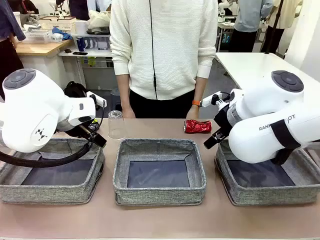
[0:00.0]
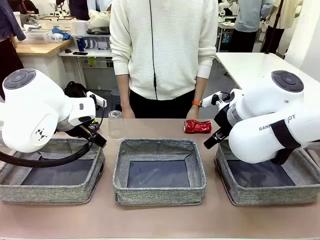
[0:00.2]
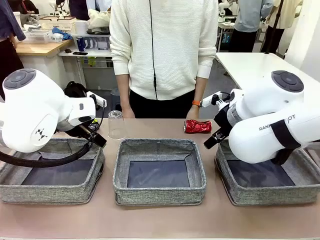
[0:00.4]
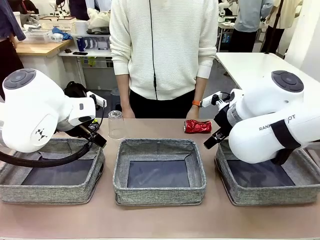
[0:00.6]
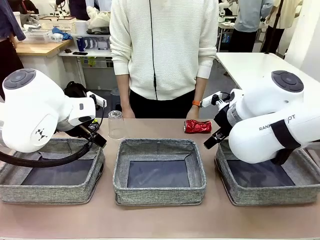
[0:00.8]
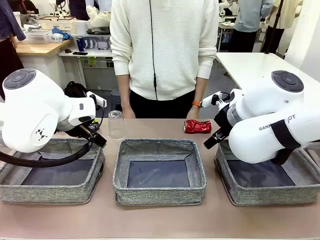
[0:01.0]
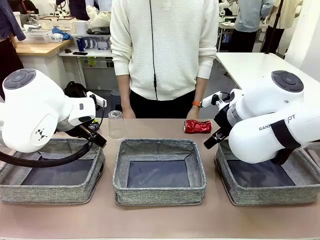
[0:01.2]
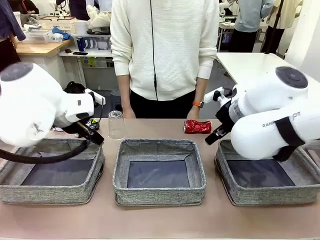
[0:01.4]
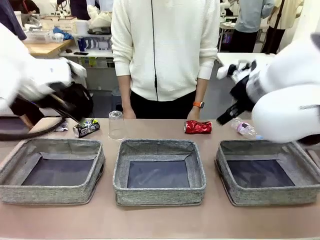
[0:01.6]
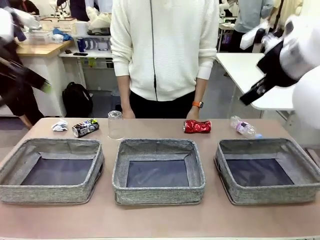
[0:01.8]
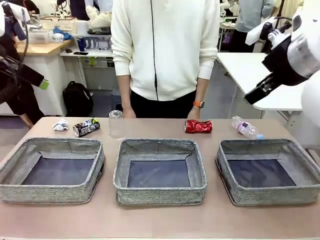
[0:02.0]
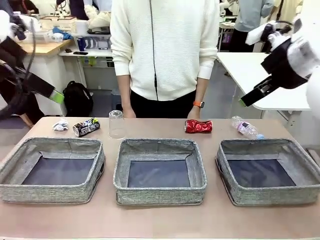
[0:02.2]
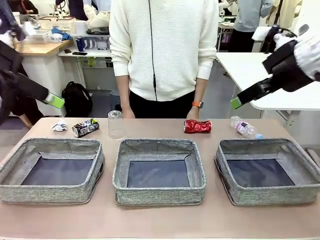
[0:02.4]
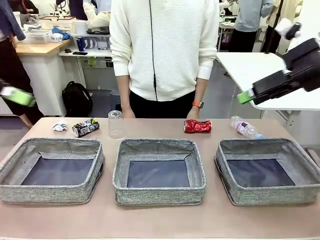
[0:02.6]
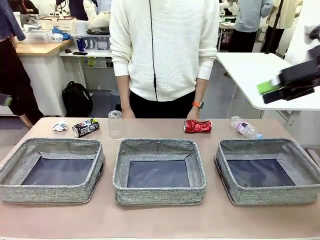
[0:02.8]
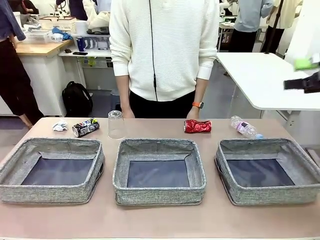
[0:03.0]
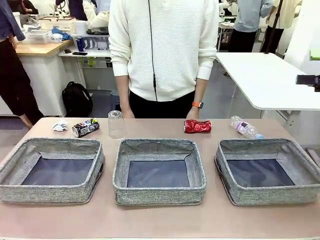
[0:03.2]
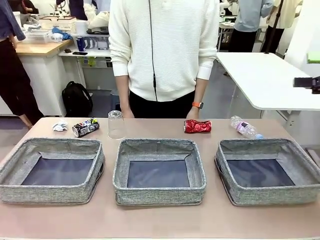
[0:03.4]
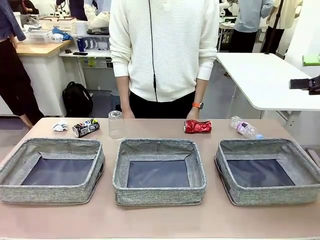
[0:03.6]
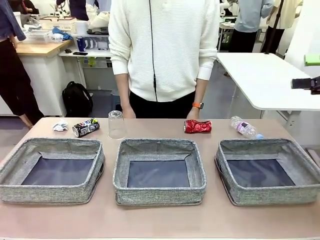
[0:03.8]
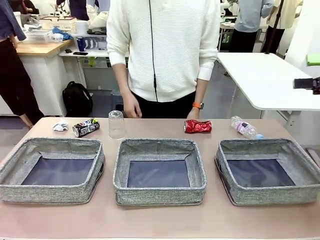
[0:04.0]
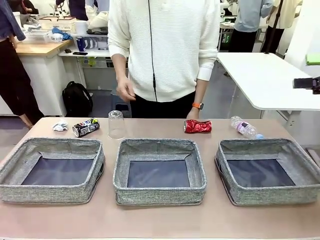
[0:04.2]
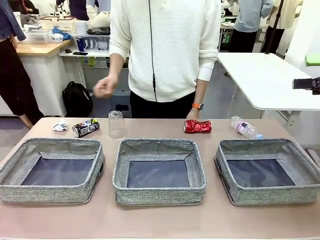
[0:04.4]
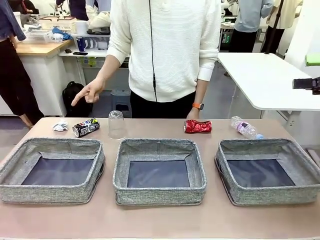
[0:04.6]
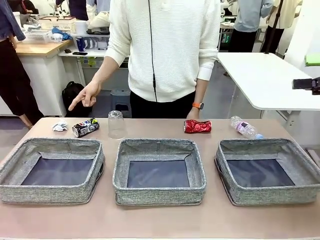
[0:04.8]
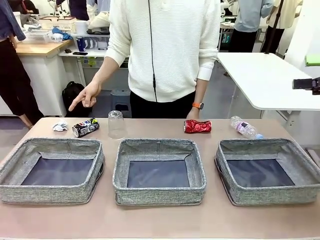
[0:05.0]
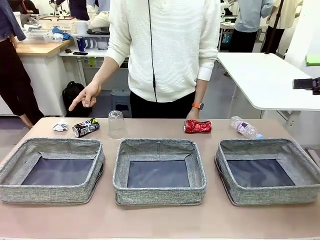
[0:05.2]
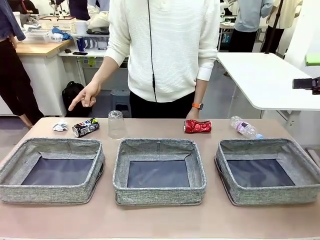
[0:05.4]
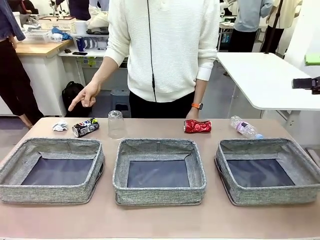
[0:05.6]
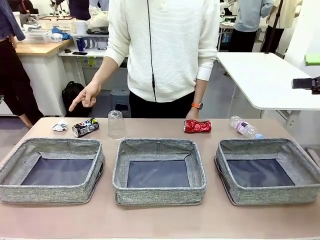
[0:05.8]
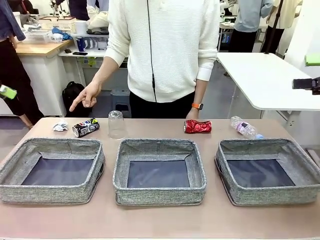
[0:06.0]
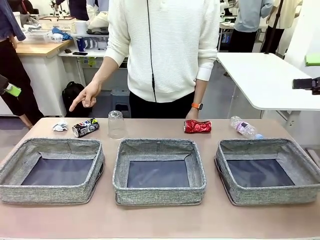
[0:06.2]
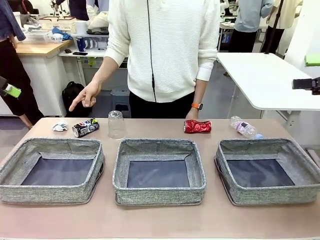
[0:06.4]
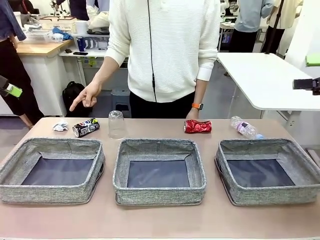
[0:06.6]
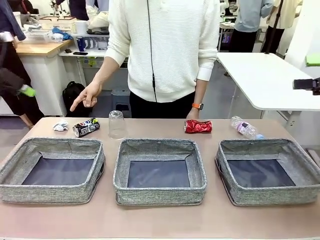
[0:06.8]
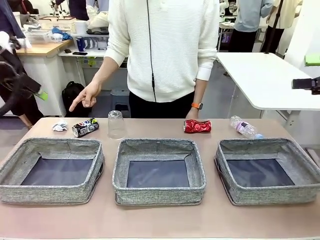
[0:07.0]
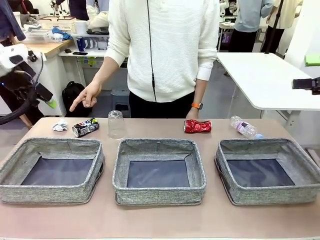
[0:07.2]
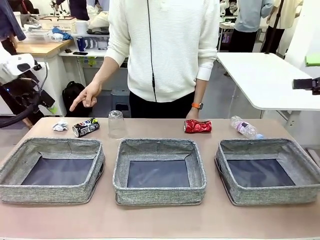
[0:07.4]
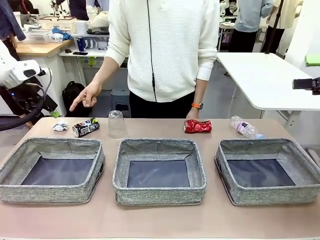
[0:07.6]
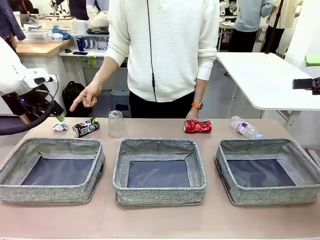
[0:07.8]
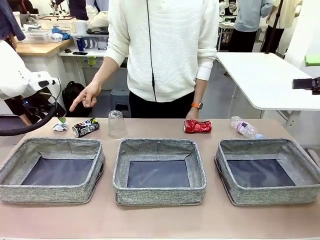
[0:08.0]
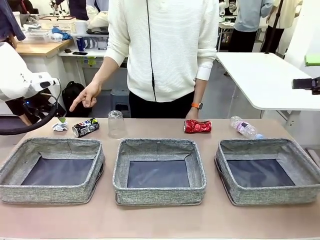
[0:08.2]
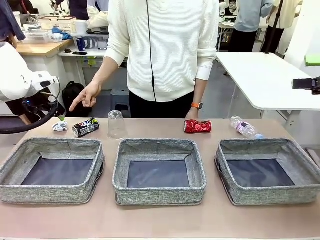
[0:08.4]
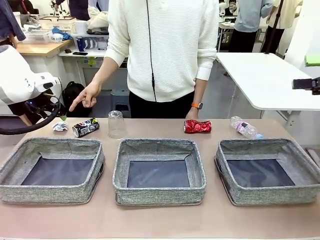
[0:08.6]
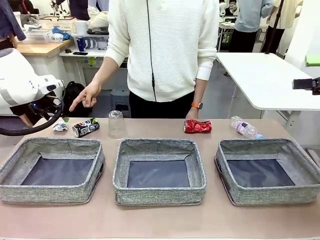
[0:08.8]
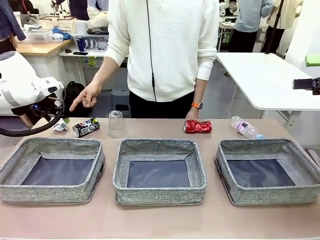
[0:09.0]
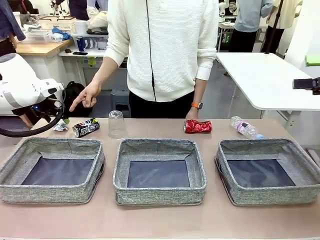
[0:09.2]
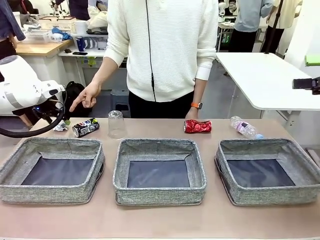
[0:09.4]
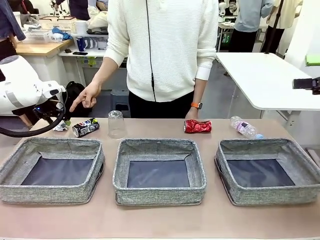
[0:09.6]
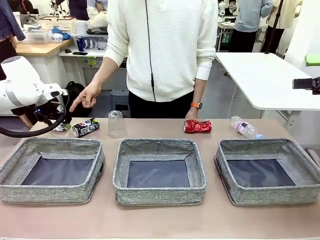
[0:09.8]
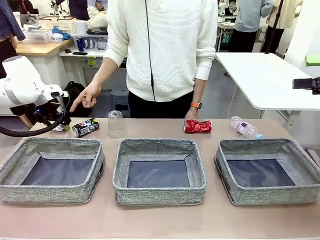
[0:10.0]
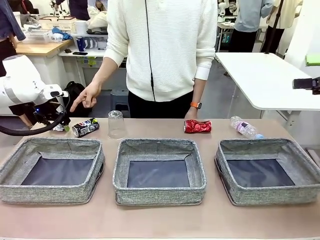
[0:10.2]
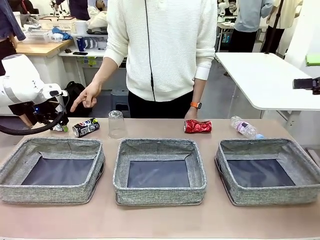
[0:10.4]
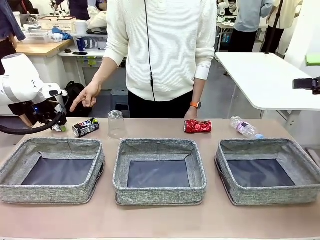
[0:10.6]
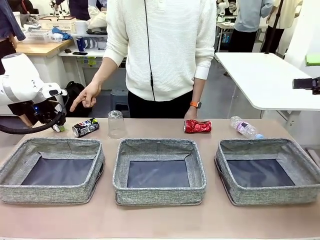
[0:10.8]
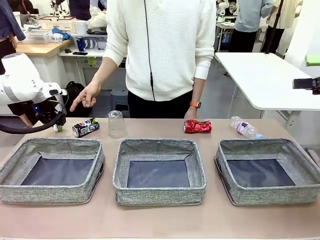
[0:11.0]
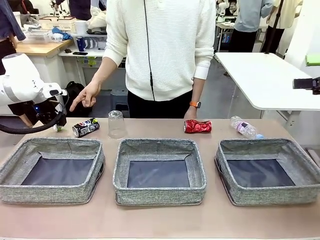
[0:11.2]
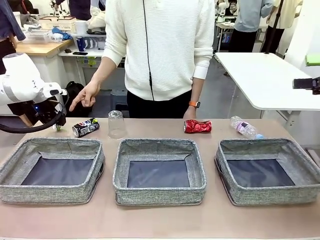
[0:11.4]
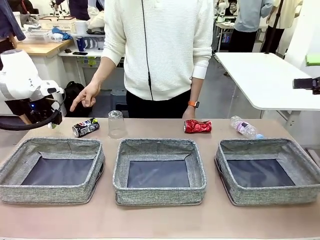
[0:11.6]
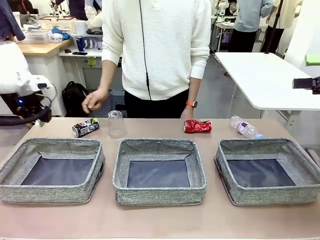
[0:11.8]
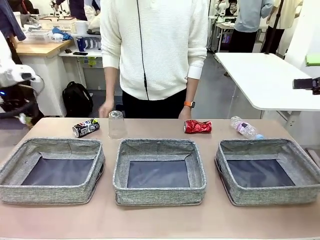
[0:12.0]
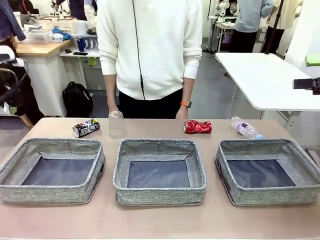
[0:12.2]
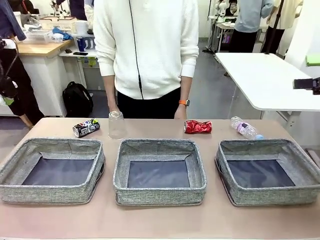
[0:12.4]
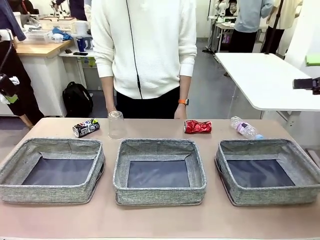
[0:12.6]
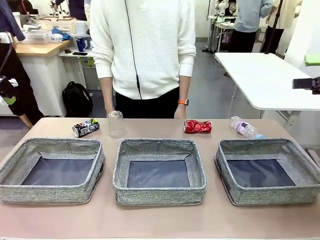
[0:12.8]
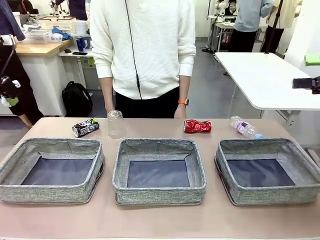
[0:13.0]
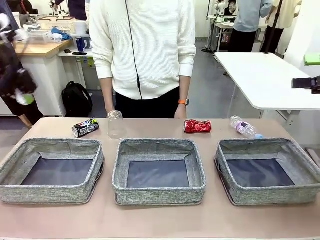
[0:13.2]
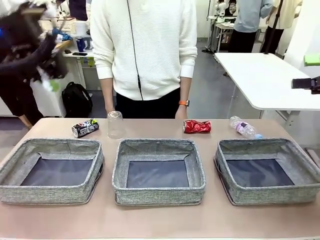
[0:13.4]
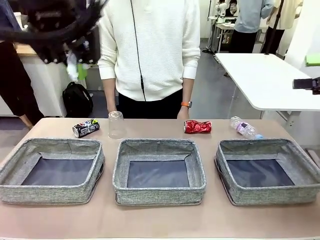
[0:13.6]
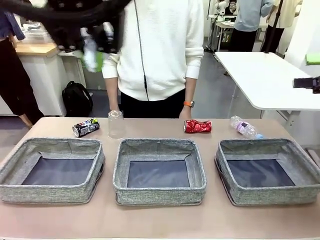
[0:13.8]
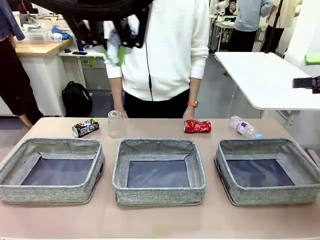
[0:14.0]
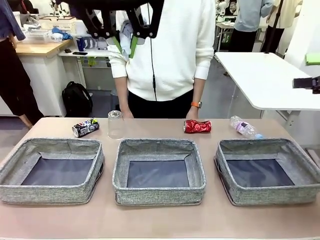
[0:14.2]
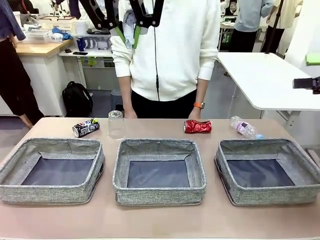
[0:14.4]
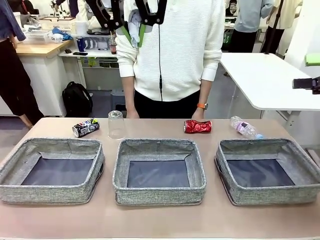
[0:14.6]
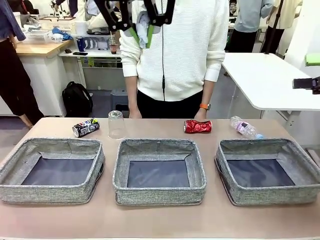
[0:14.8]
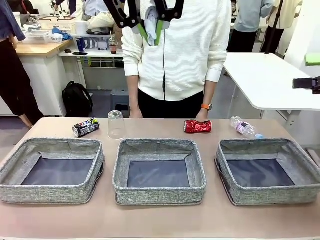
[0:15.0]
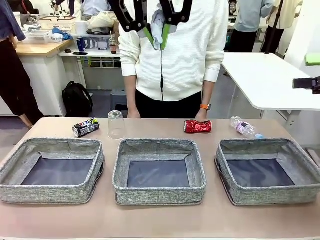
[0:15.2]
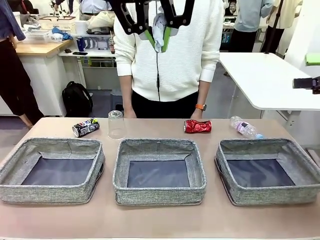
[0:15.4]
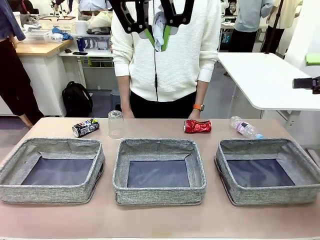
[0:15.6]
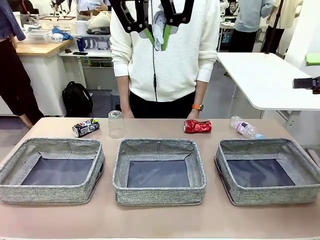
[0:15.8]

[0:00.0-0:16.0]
Task: Sort the waste into the appropriate baskets.
Robot: Pick up the waste item pointed out by the person.
Person: Points to one piece of trash on the table.

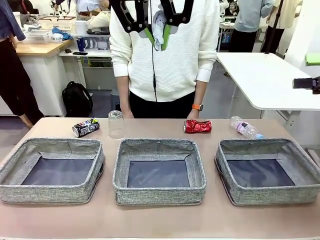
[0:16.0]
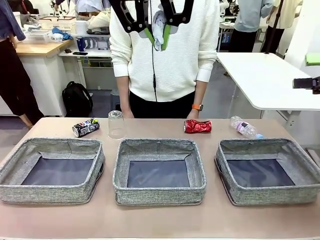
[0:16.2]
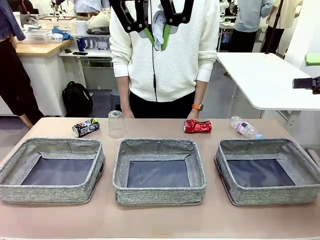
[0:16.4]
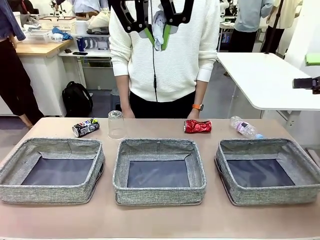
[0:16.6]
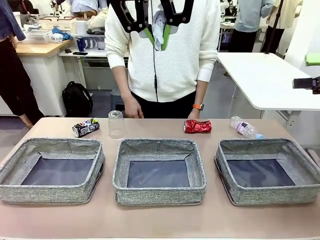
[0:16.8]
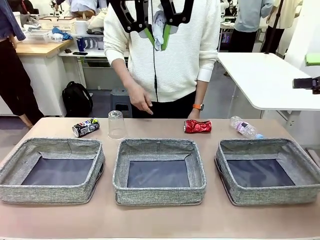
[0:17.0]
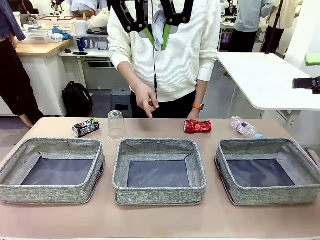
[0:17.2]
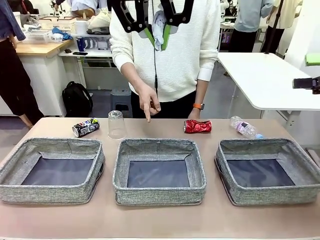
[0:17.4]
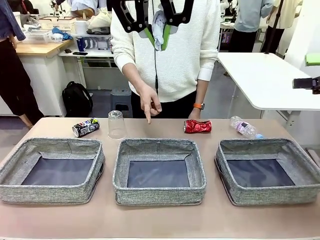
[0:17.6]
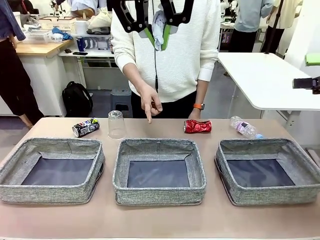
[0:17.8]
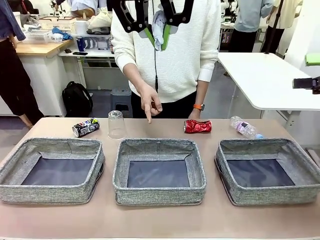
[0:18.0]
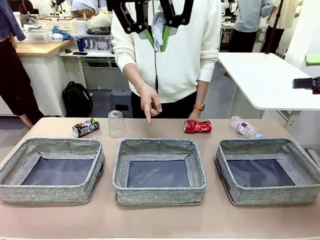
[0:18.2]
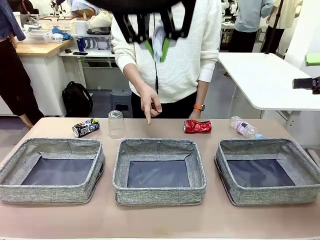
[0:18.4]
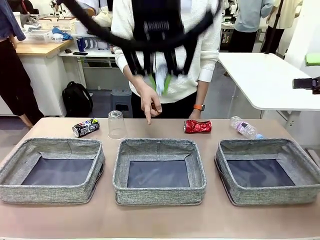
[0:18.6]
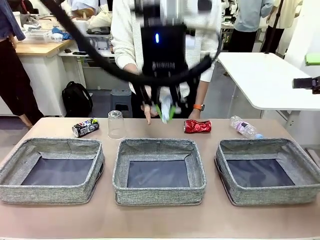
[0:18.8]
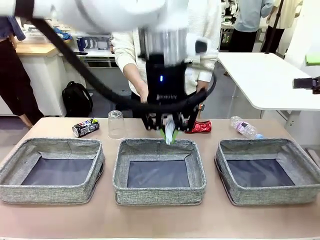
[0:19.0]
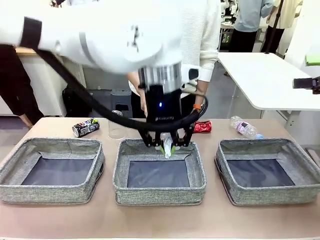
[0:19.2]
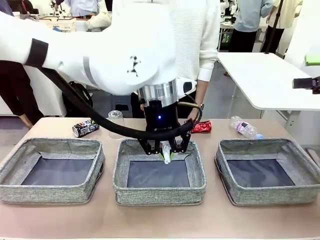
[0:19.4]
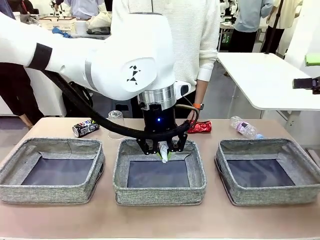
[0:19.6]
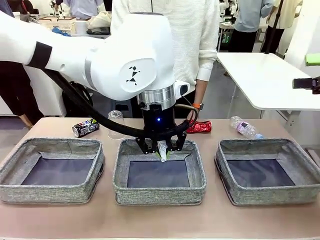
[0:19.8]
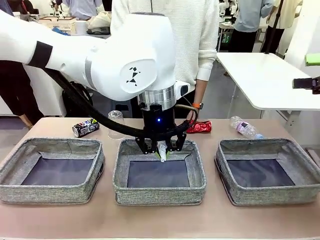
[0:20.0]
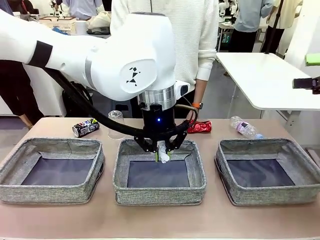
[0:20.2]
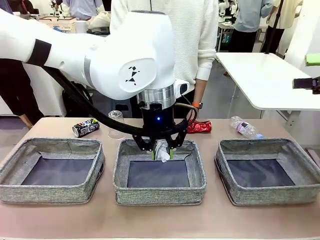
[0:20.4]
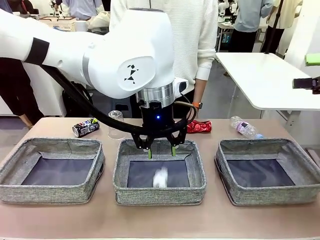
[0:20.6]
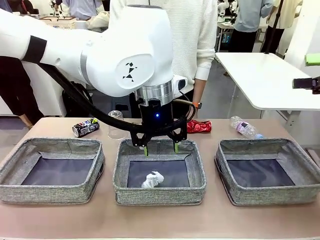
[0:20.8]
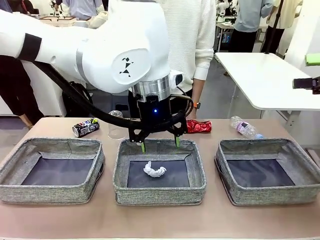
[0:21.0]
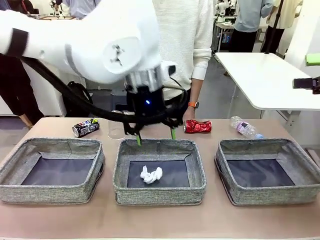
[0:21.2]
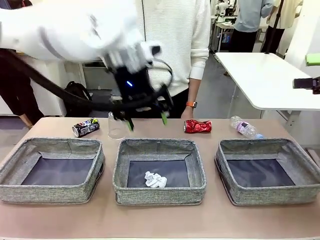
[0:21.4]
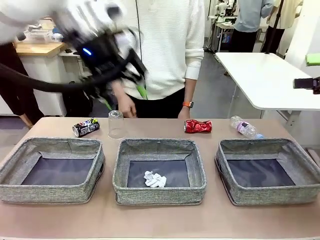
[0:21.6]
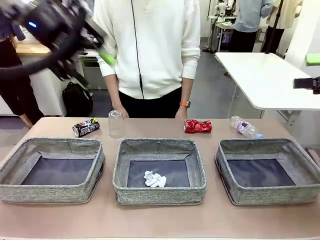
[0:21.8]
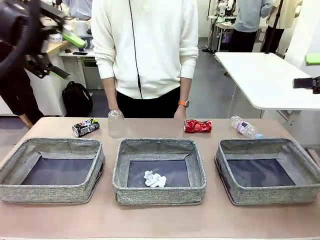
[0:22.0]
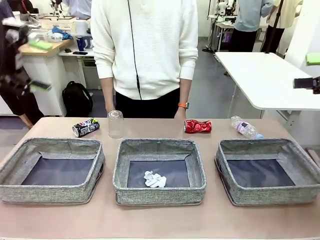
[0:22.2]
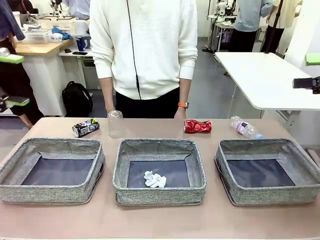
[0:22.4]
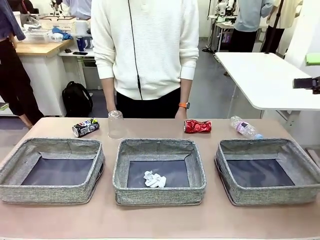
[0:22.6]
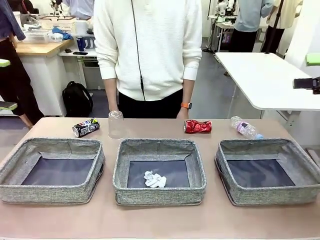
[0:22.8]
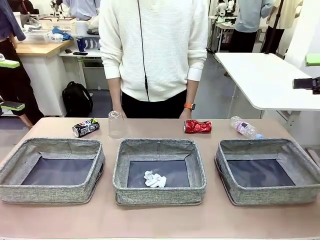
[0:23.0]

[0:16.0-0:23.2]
Robot: Place the picked waste into the Fabric basket indicated by the person.
Person: Instructs the robot to place the picked-up trash into the appropriate organizing basket.
